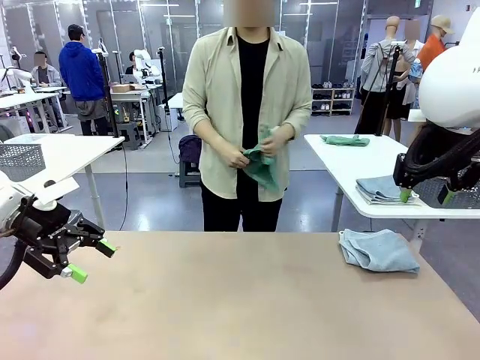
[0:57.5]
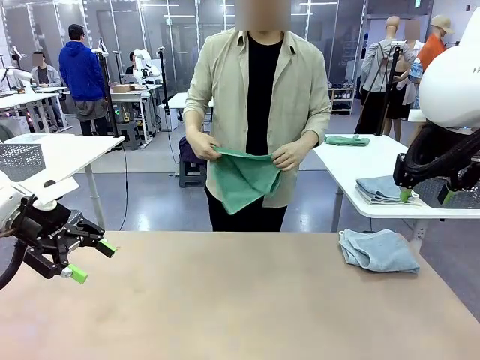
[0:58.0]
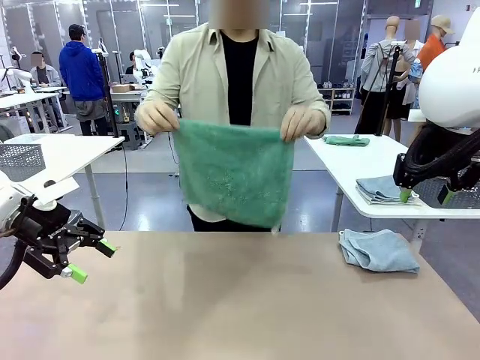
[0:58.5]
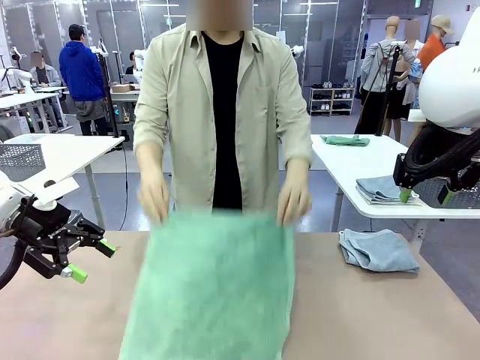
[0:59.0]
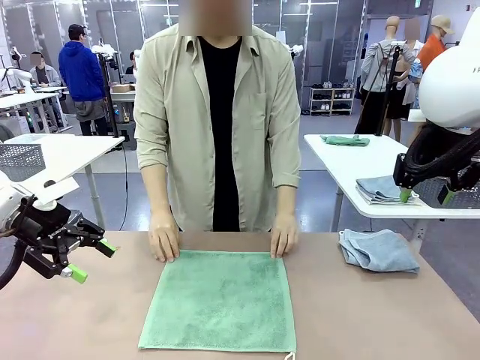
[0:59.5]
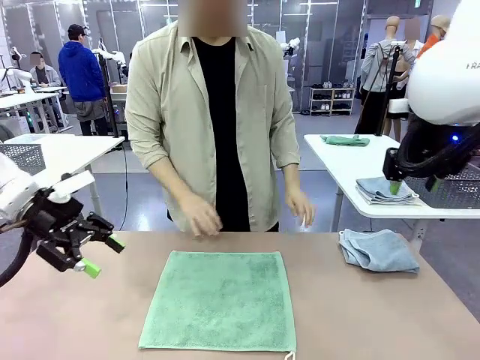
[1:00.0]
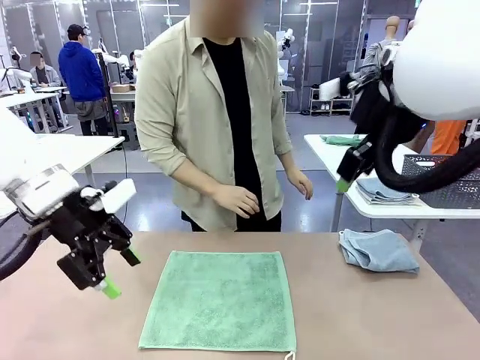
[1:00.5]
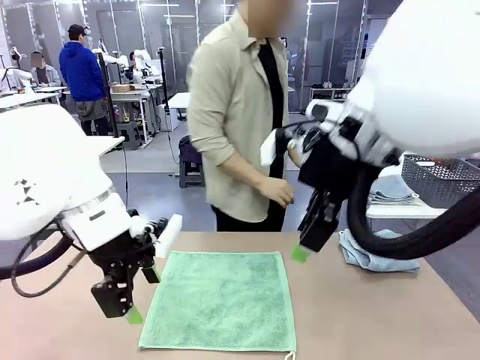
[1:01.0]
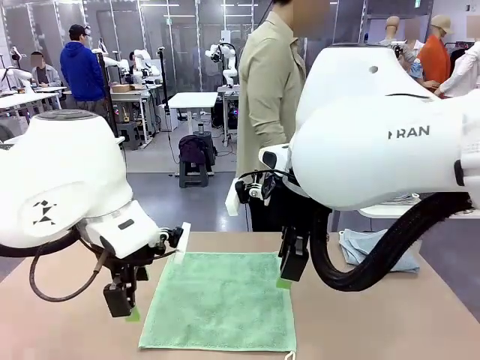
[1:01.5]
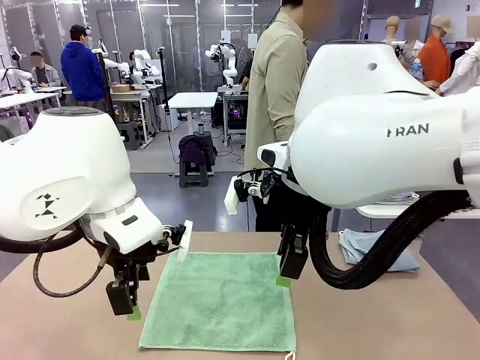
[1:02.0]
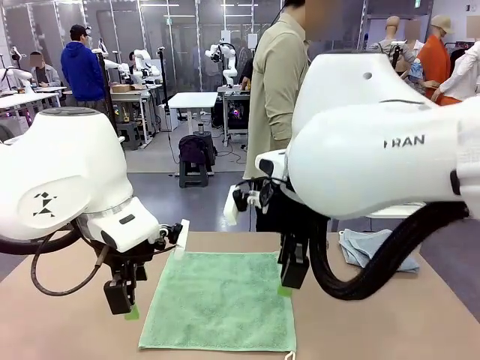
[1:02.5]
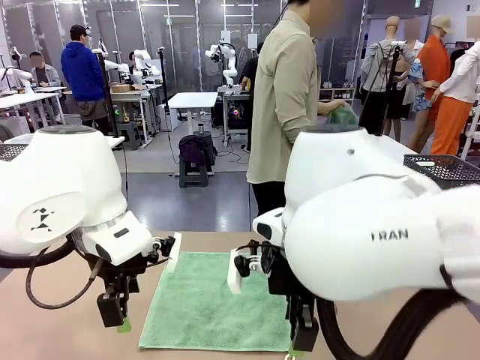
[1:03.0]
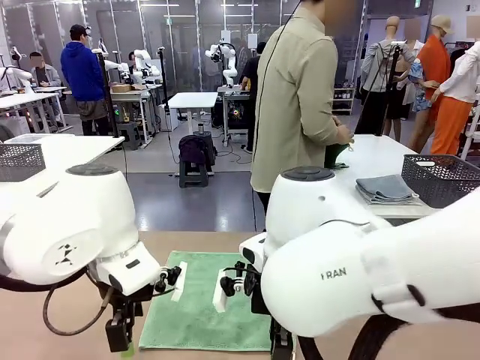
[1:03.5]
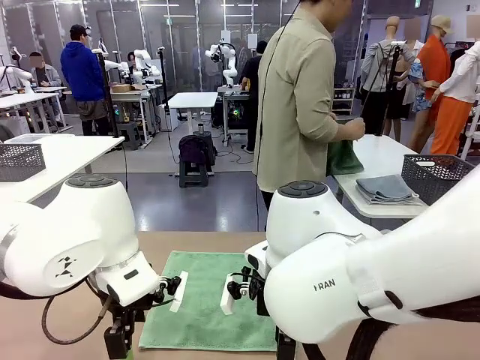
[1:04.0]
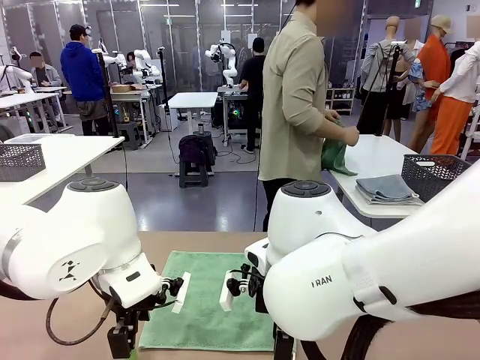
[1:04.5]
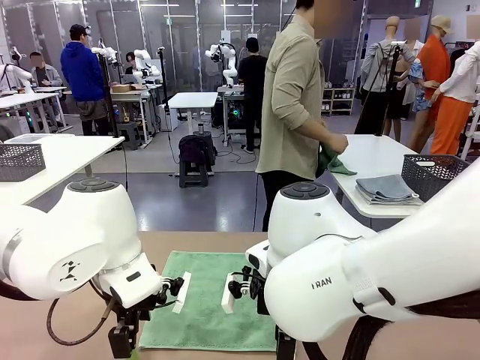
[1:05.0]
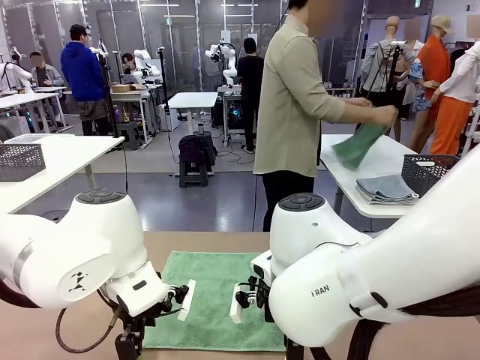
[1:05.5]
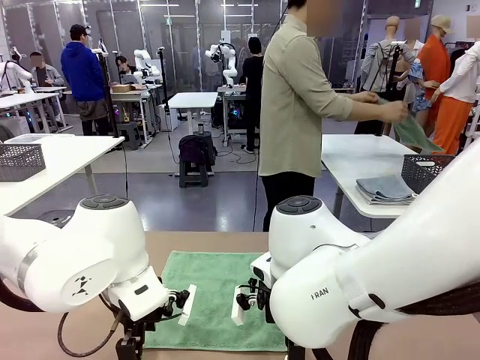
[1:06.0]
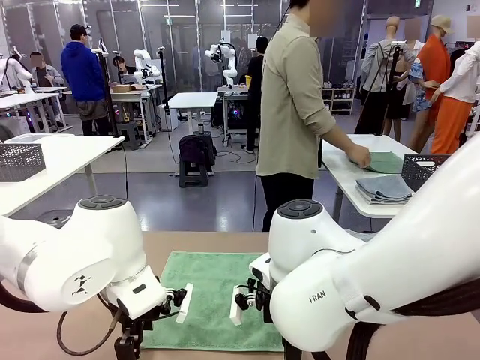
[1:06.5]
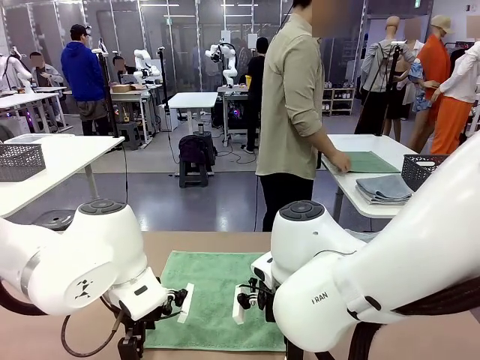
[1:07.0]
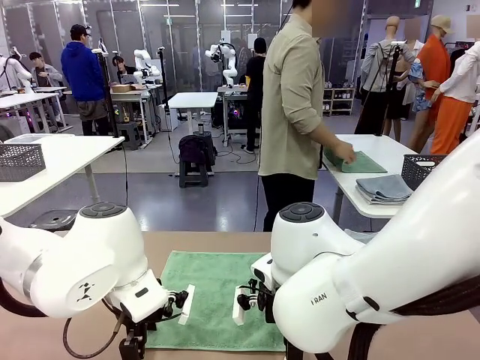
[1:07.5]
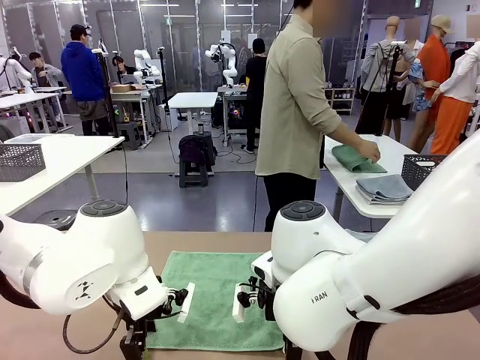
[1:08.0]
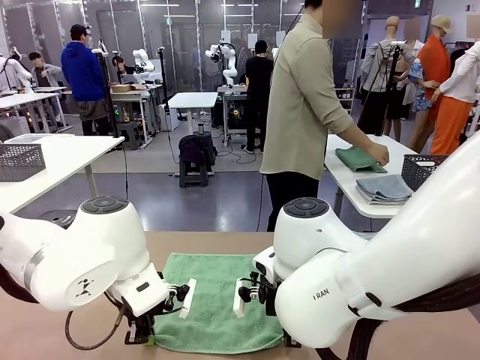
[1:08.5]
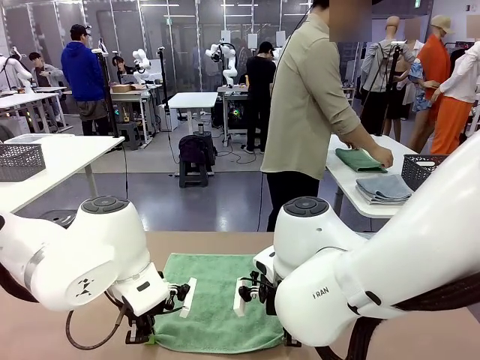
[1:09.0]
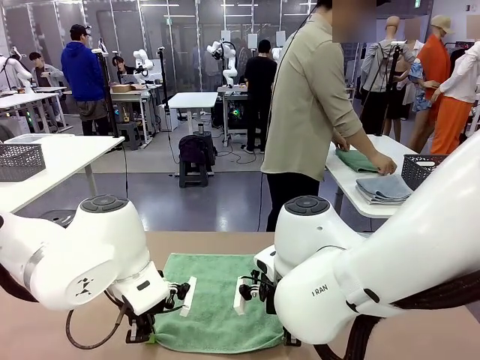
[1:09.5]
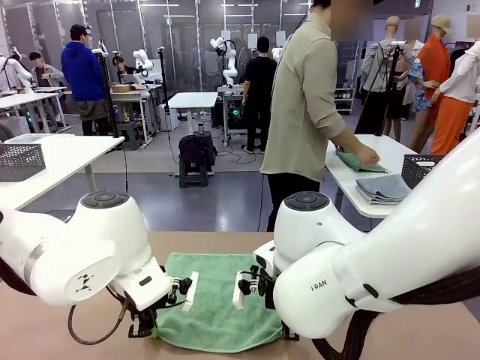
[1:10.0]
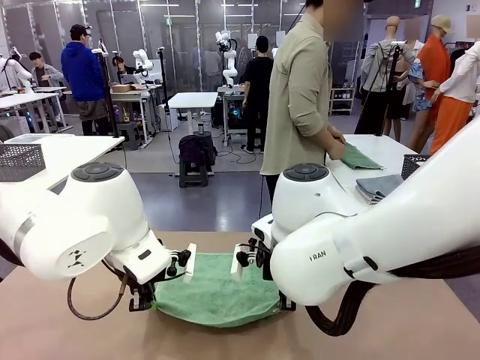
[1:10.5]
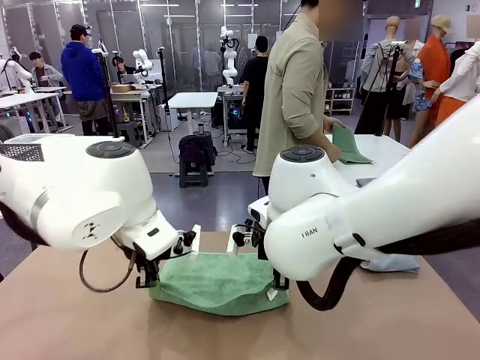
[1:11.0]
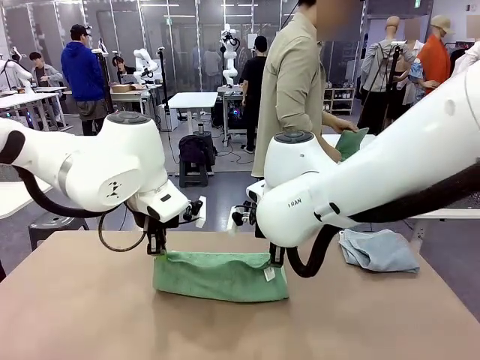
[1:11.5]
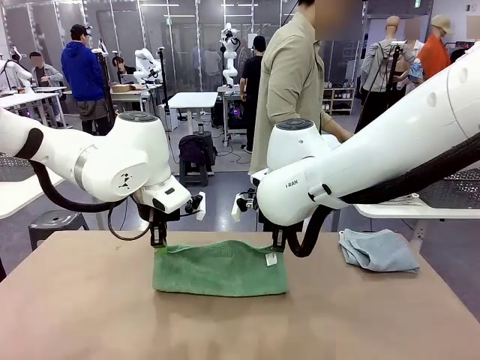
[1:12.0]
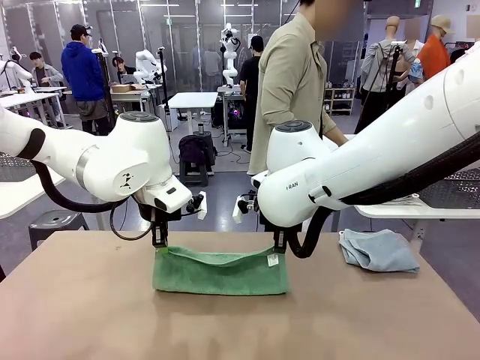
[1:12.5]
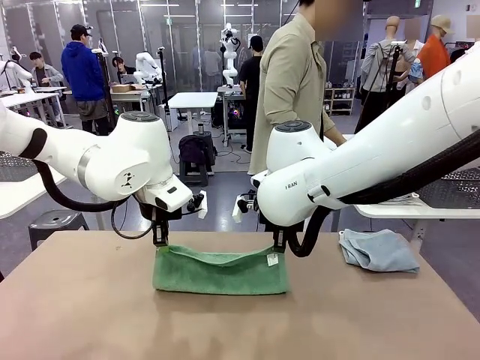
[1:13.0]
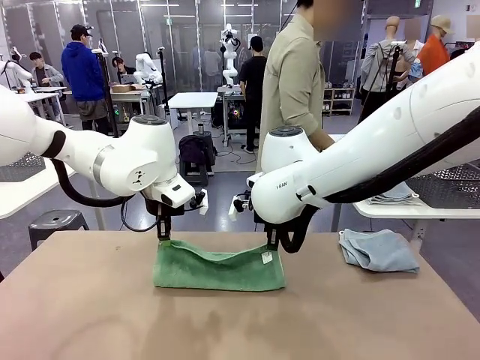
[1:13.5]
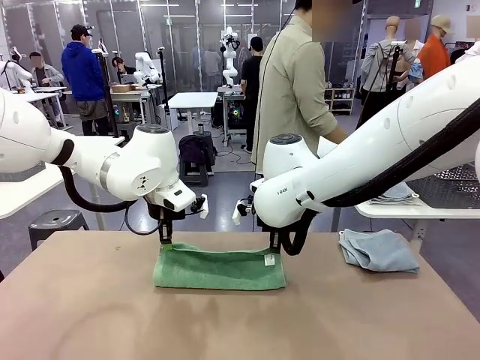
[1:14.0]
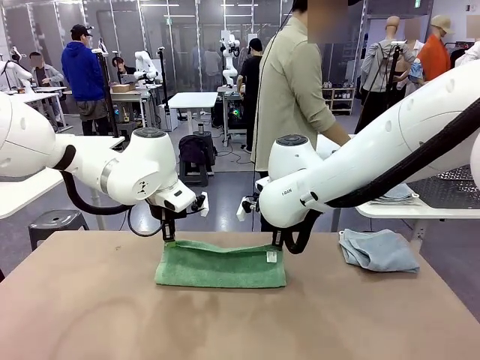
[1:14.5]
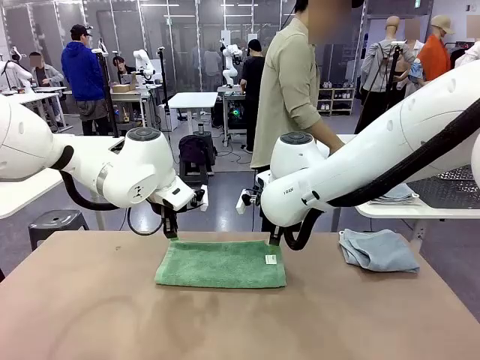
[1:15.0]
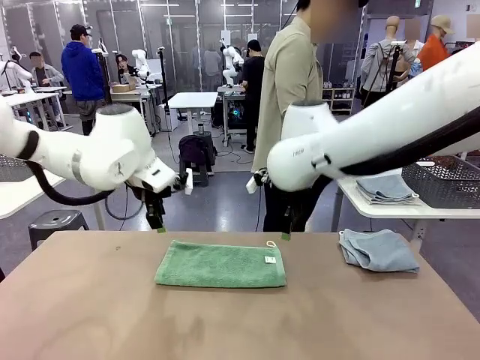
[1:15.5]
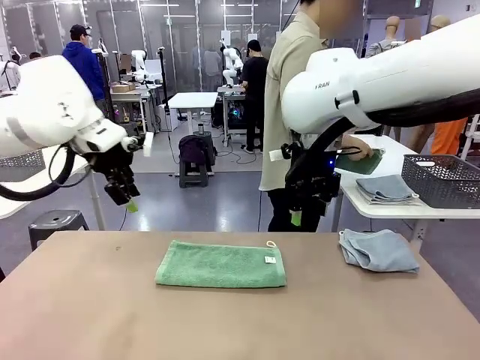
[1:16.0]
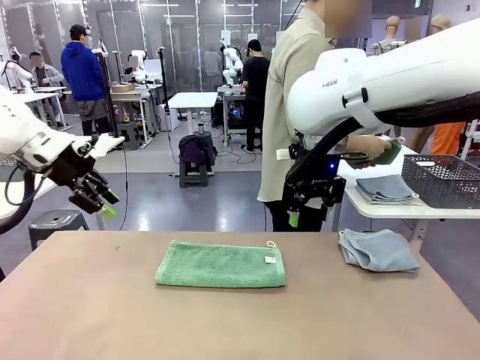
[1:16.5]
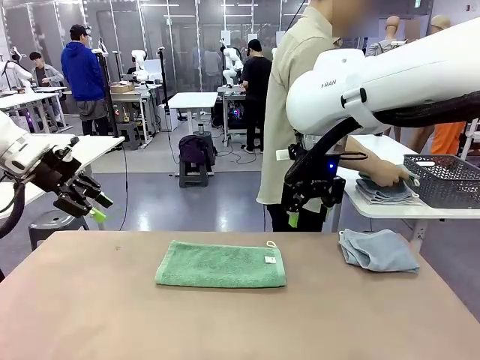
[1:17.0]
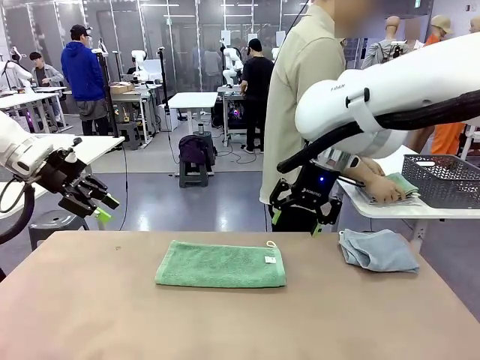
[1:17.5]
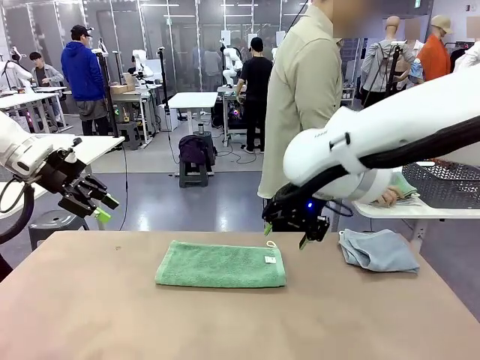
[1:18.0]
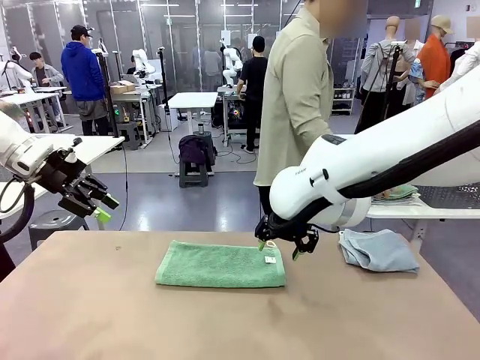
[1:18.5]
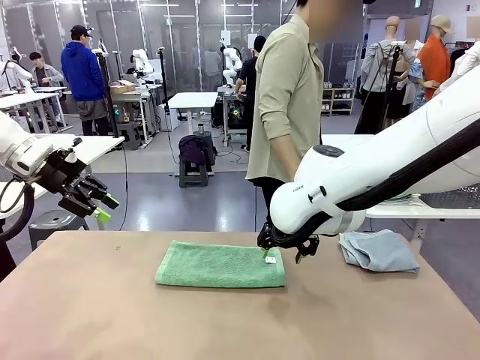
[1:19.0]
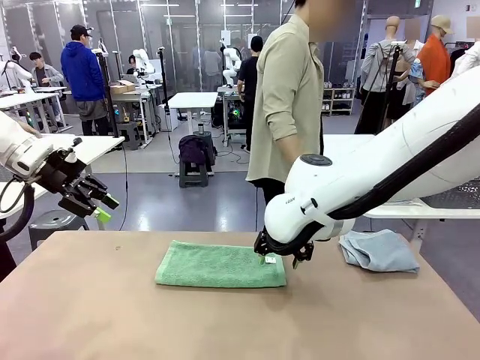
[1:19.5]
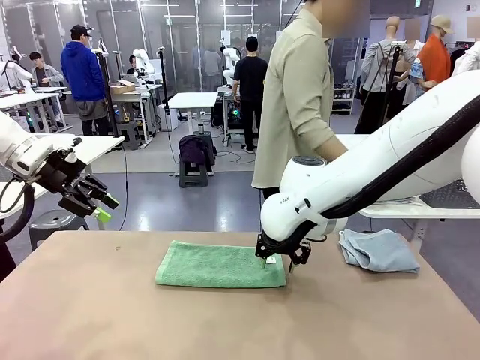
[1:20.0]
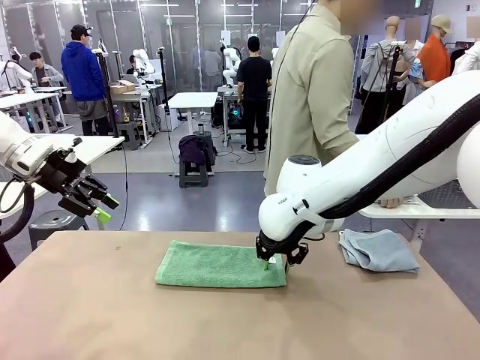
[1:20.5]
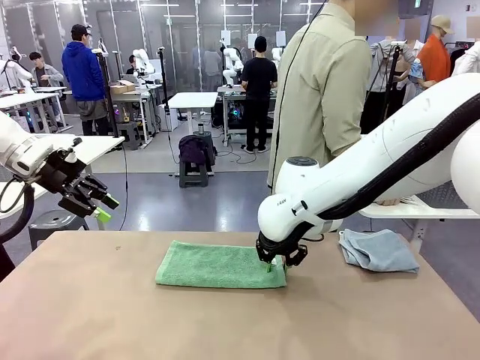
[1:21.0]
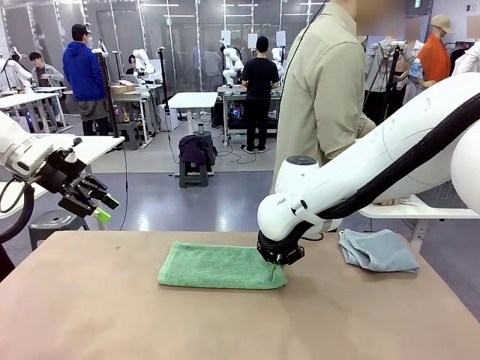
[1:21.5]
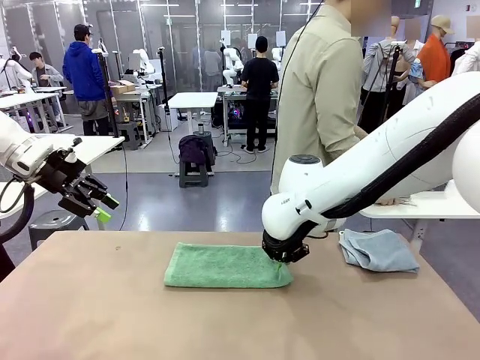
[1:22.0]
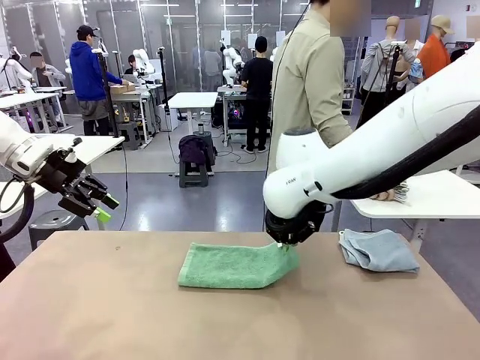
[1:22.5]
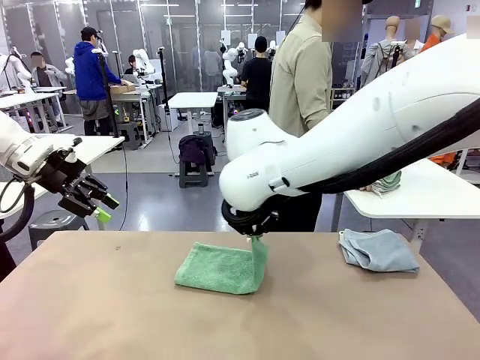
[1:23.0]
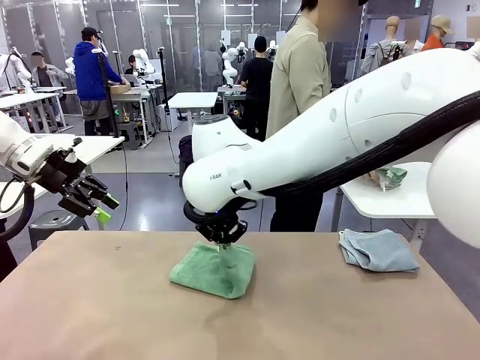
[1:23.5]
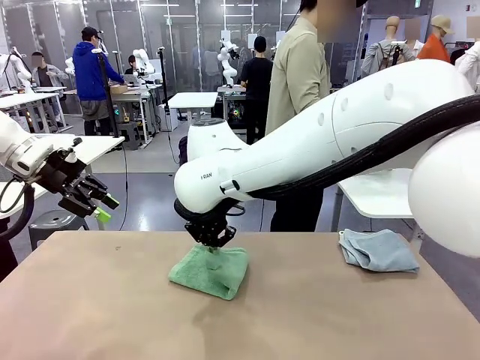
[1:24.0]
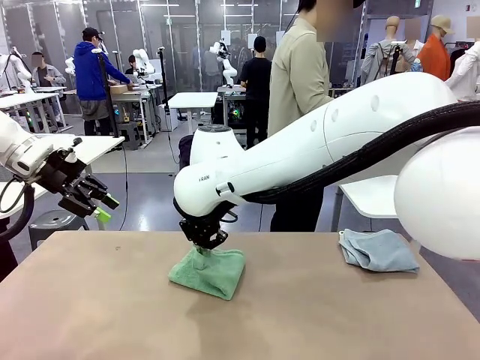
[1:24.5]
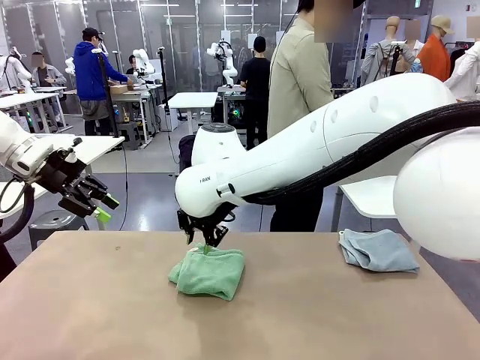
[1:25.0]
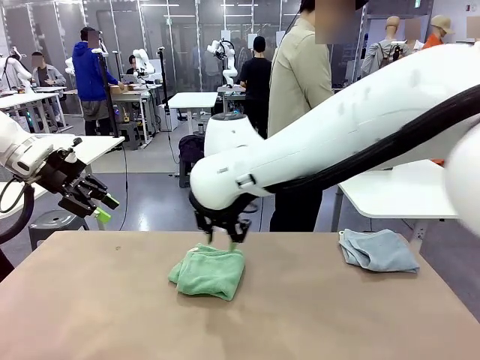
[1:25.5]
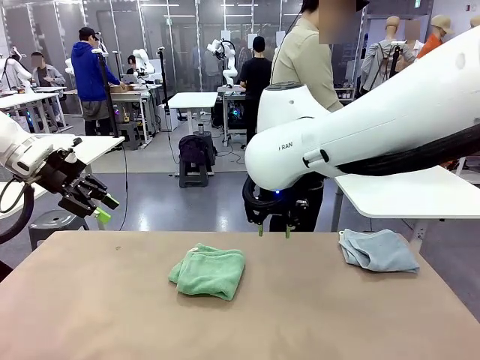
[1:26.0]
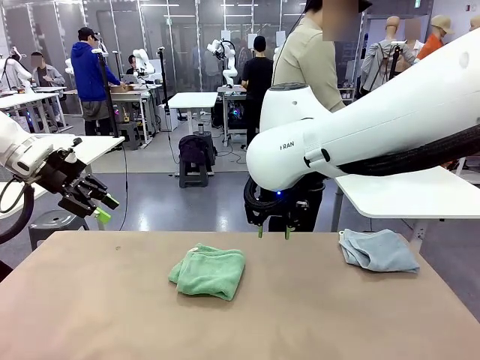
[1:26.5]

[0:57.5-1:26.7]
Task: Fold the towels and place them in the basket.
Robot: When a person lays out a Towel with hook on the table, fold it in half twice.
Person: Pick up one towel from the left side of the human table, fold it in half twice, and stack it on the right side of the table. Pick up the stack of towels from the right side of the human table, place it into the basket, and put the basket at the center of the table.
